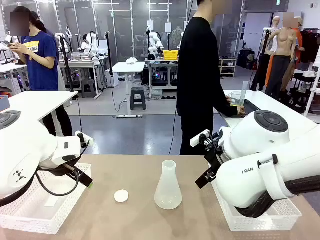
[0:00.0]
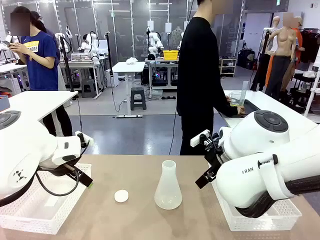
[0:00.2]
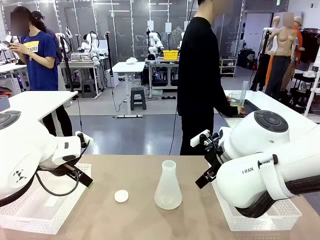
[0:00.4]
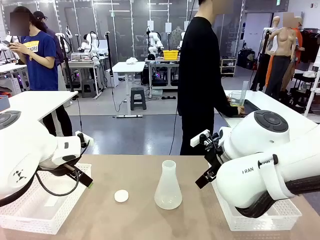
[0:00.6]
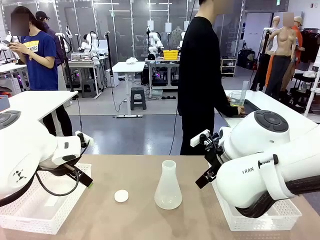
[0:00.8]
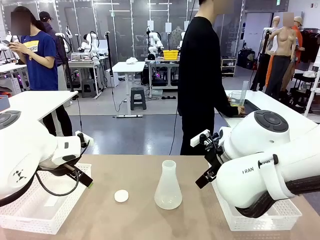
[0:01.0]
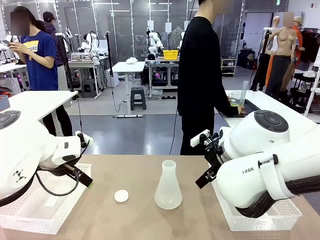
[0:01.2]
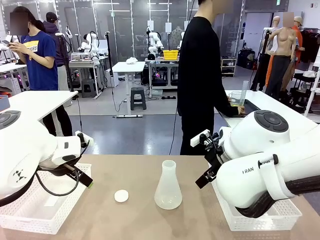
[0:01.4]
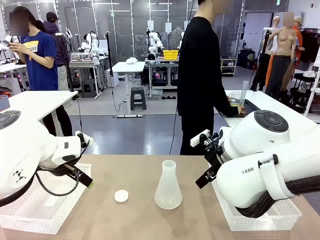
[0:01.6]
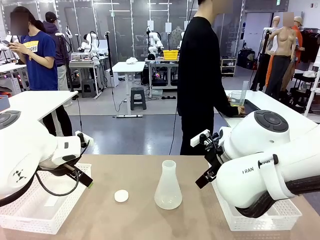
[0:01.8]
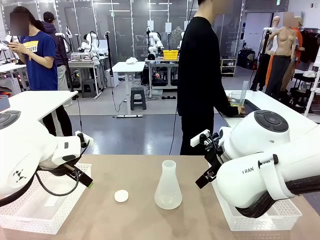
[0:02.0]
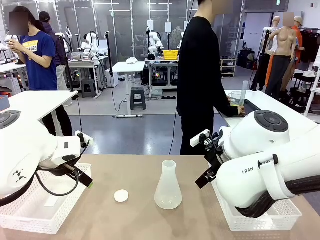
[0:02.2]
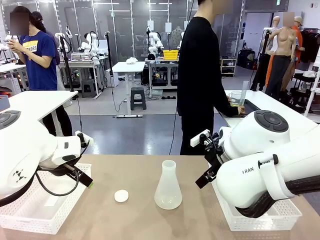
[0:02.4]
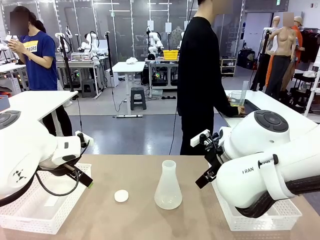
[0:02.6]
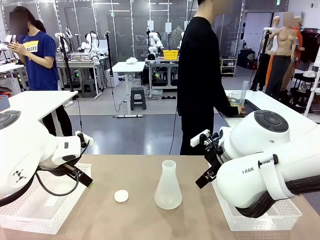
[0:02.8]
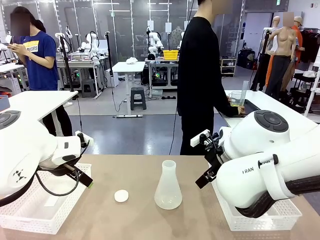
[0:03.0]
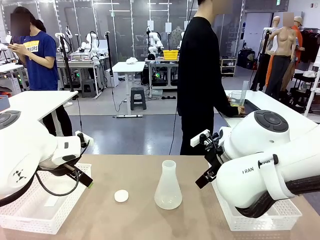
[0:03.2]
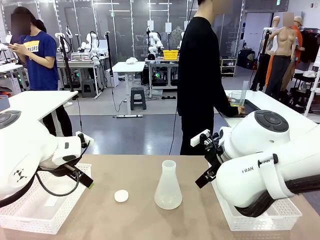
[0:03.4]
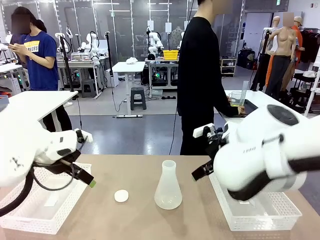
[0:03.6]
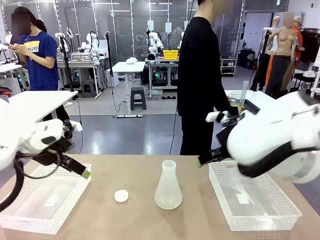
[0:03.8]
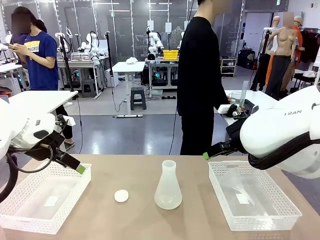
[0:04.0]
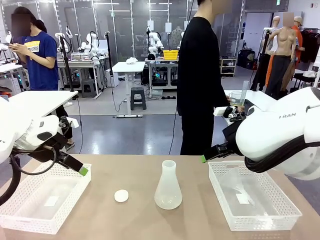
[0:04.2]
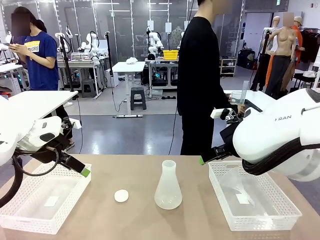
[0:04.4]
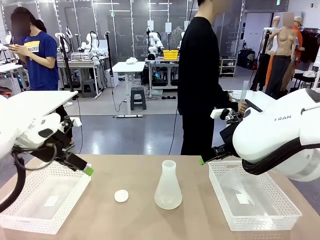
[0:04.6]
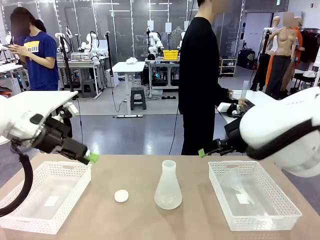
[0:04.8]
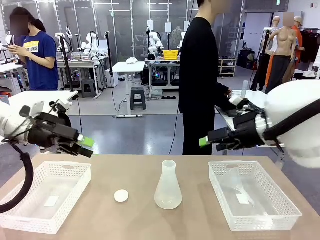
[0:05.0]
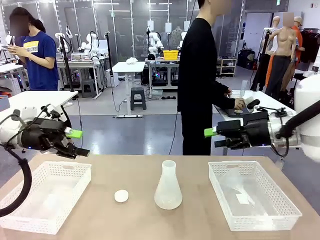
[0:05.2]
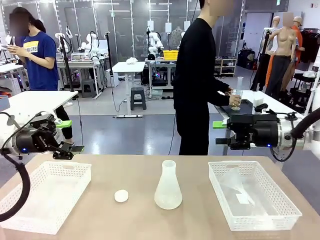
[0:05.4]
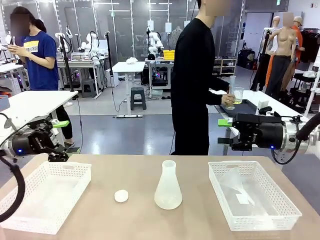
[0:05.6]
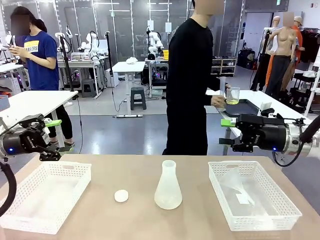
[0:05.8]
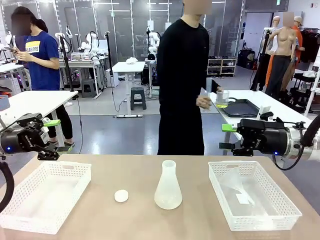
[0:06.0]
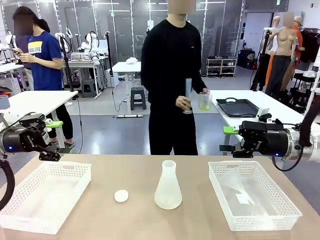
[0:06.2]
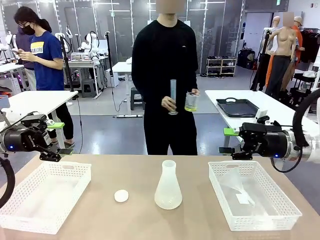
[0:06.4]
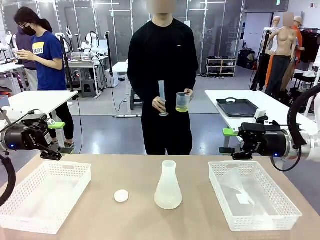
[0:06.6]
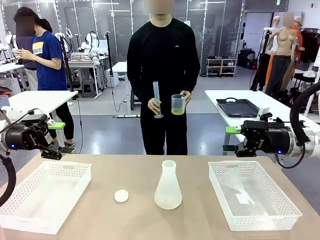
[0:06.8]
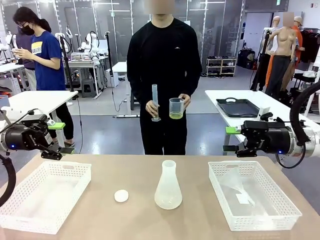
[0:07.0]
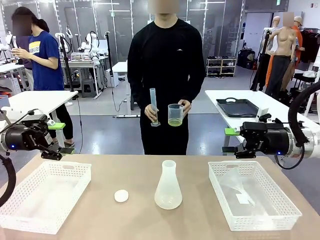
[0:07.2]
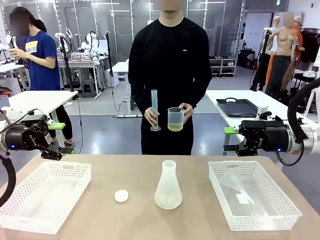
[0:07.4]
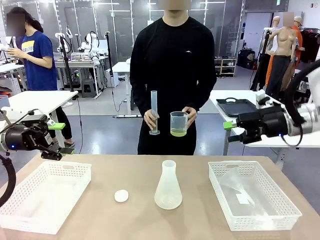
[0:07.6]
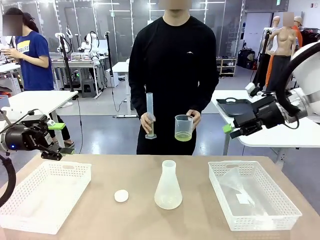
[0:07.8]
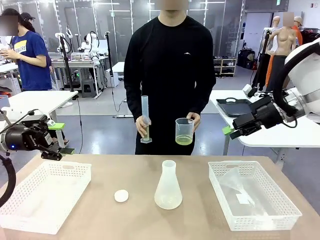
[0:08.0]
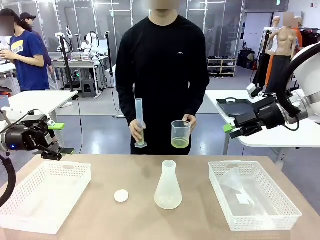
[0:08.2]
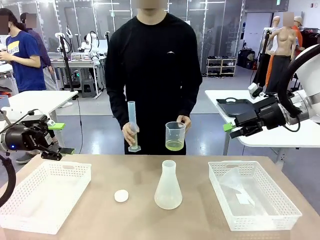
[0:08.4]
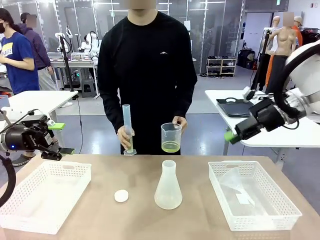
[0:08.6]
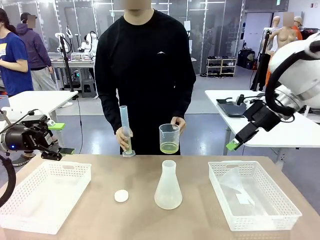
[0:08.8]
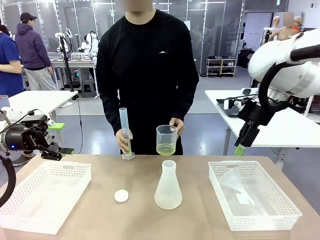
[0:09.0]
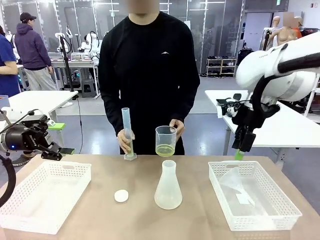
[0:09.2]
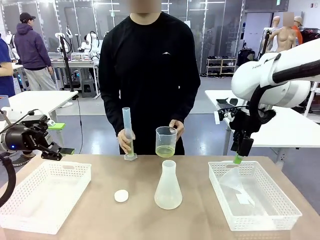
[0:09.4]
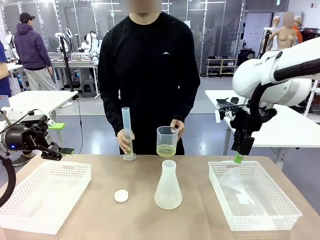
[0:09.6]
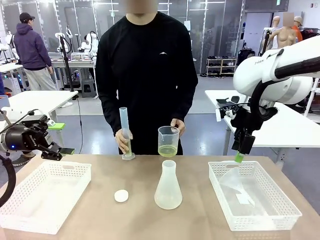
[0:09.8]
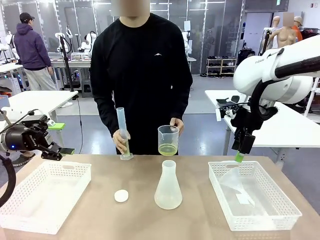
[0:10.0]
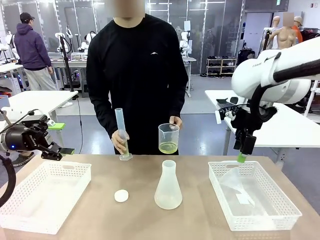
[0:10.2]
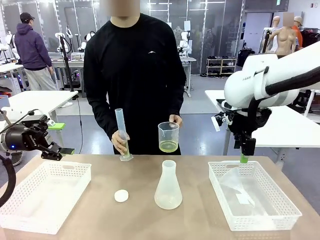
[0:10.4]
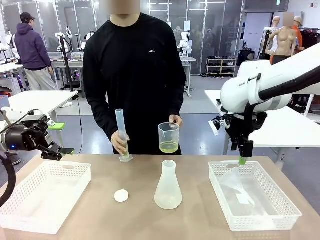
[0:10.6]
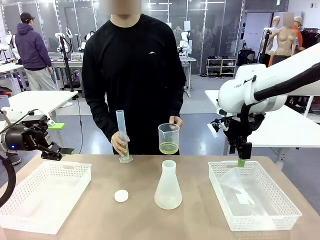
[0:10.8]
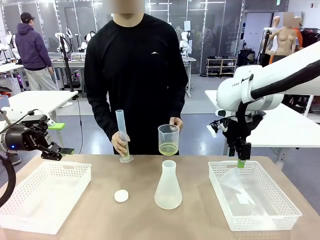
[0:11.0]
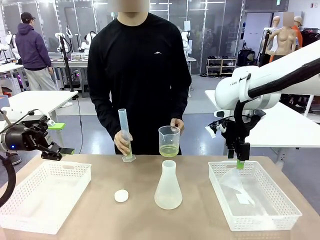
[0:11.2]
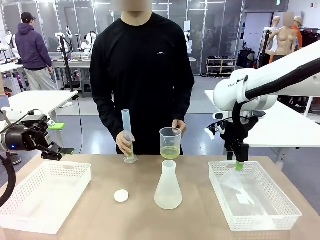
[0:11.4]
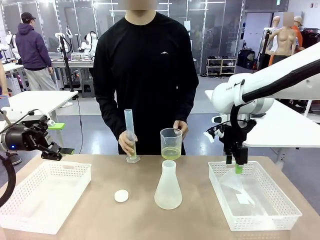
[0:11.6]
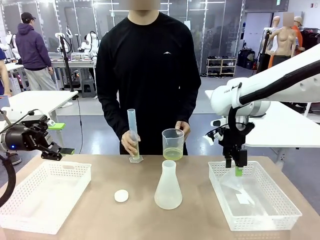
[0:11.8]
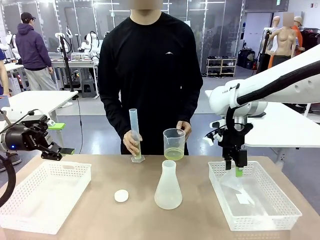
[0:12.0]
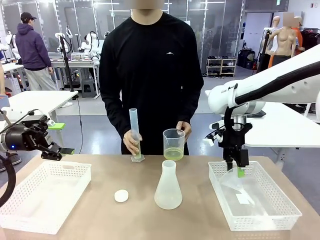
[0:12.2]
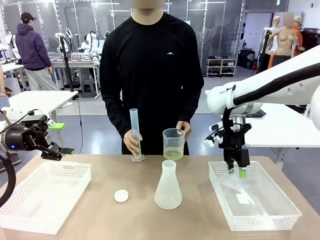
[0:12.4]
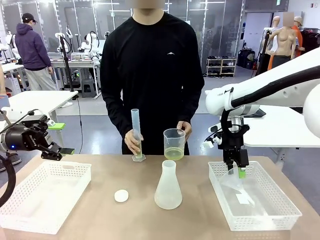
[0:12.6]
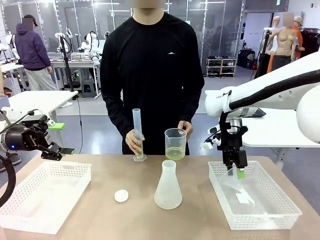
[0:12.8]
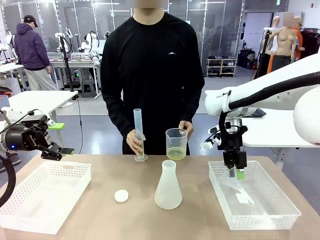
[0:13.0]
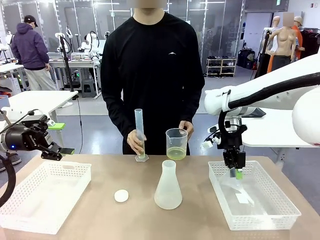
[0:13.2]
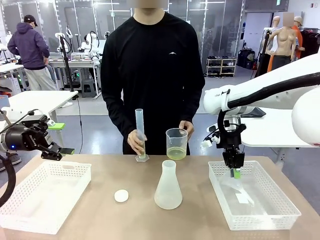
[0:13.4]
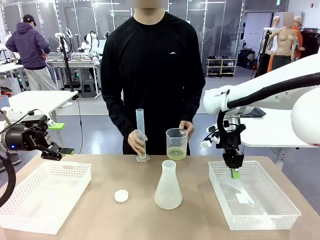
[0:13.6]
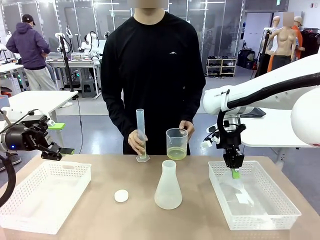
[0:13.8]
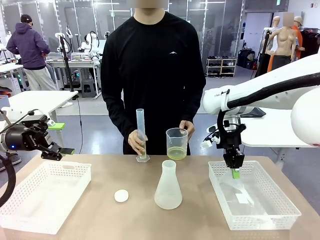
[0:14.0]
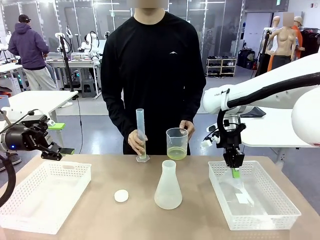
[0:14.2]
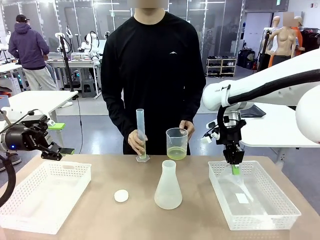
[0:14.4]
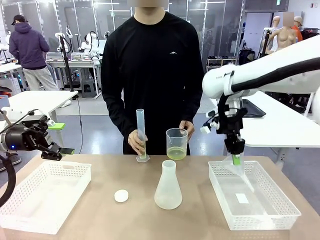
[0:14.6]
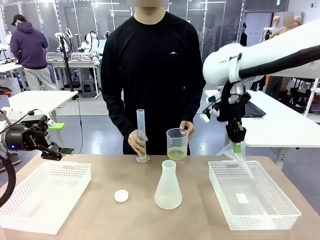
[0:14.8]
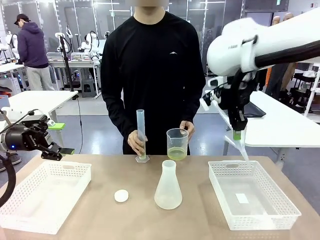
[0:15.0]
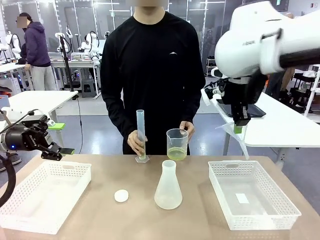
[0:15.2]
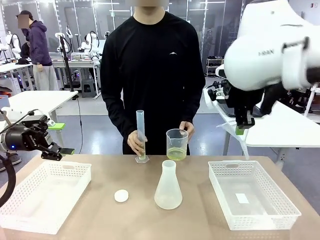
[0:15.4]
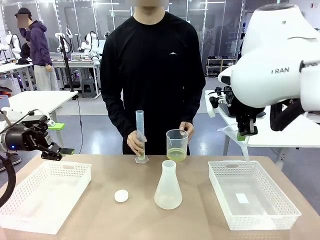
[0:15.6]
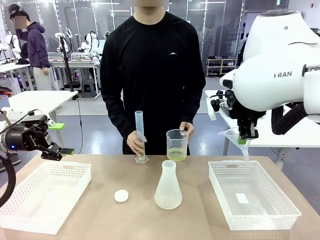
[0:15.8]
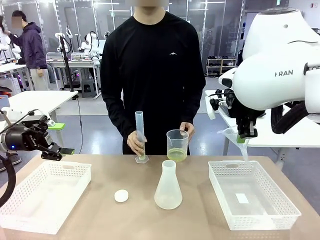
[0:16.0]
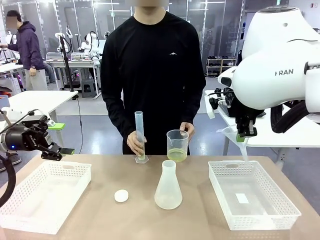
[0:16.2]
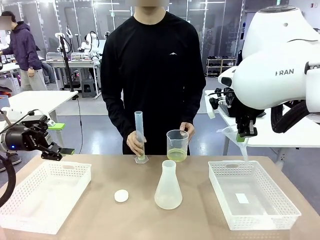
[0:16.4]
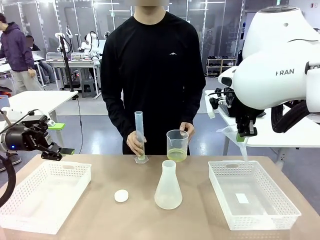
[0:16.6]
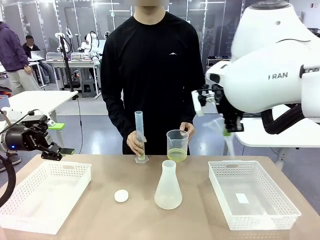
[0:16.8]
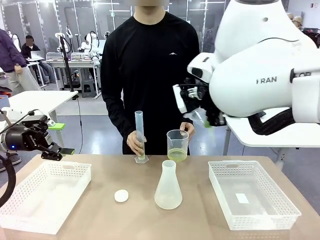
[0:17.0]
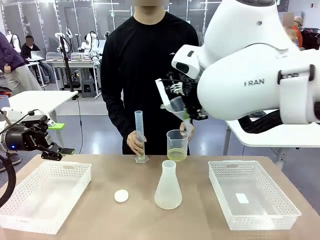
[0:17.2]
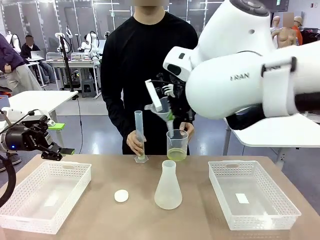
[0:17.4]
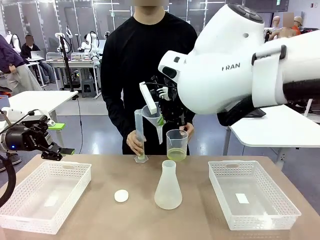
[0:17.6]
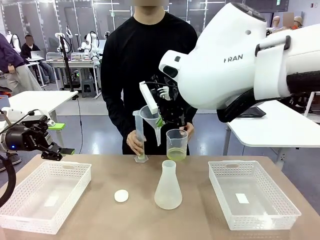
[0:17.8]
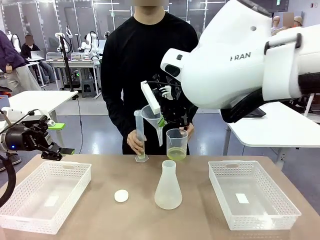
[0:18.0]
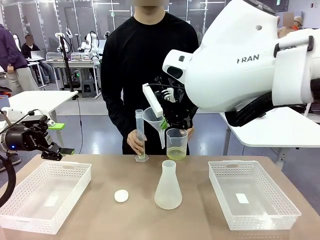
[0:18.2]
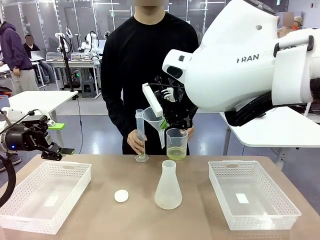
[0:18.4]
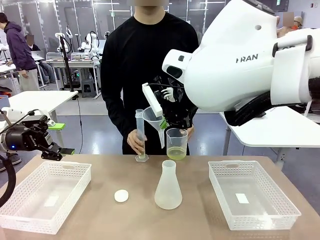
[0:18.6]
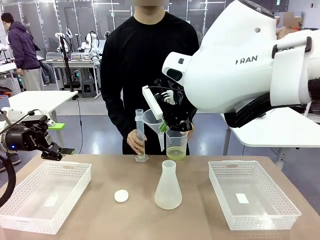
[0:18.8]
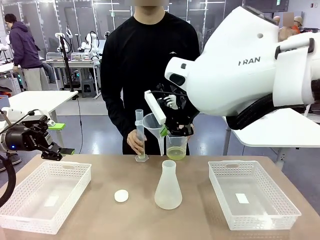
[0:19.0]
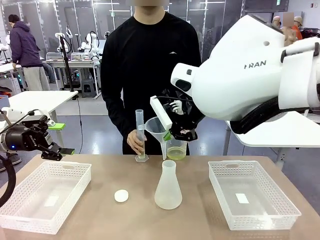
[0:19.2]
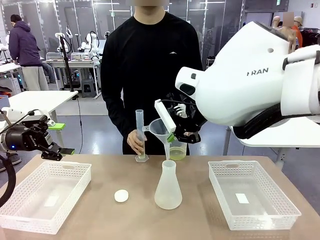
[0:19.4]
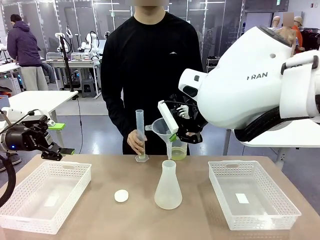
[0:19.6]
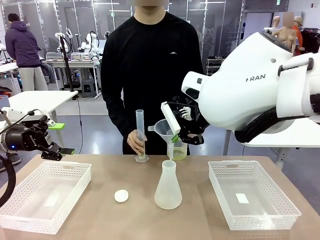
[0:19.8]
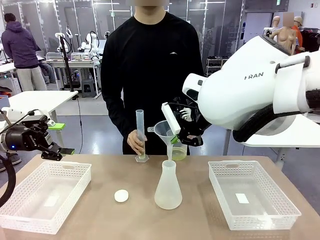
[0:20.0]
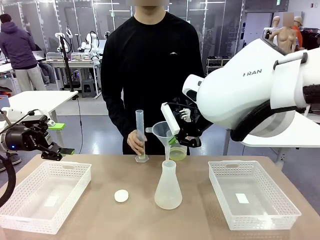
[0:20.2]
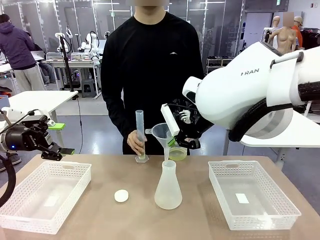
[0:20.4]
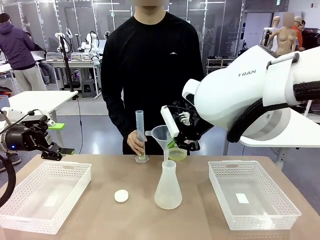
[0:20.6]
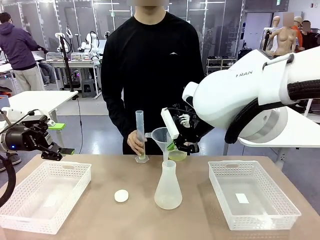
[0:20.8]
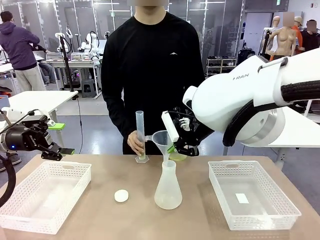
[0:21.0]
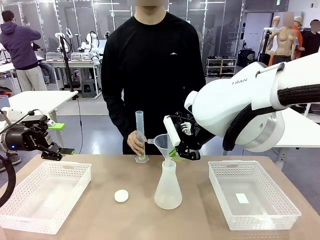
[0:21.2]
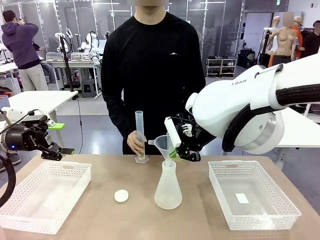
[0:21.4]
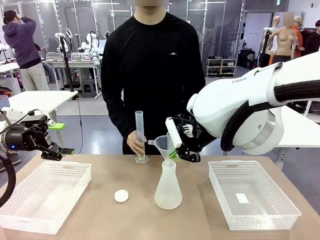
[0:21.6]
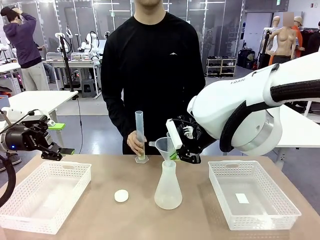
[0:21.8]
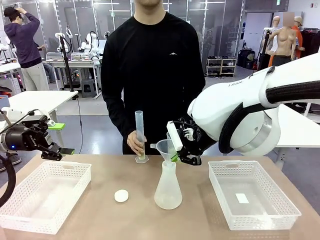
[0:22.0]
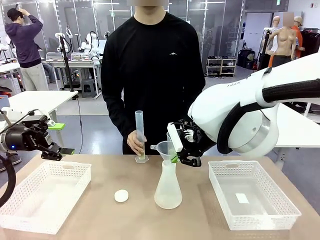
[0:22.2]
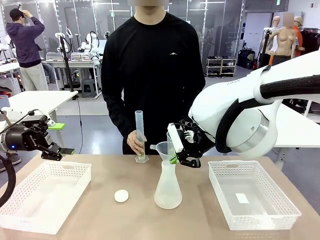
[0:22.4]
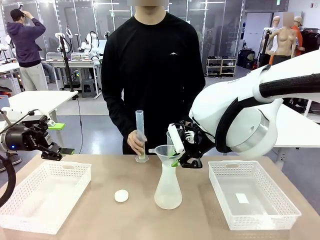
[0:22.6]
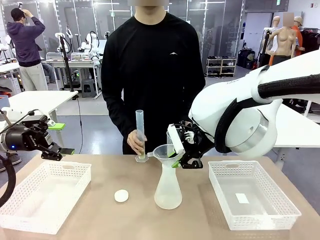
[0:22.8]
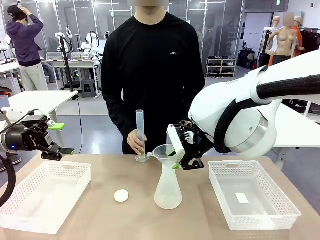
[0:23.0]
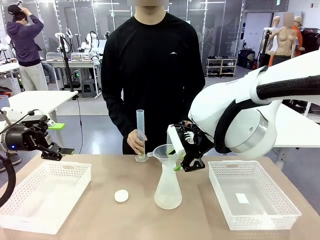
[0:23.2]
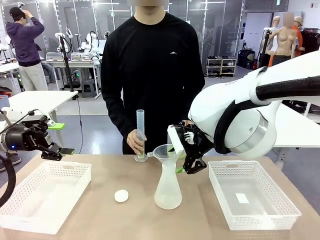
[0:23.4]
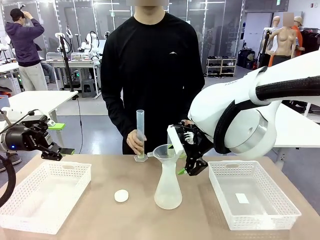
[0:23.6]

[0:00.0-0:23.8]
Task: Prepare the solutions needed for the experiment.
Robot: Pick up the Plastic Funnel and insert it into the Big flask.
Person: Pick up the beaker and the cylinder and move to the middle of the robot table. Pour the solution from the beaker and the cylinder into the flask.
